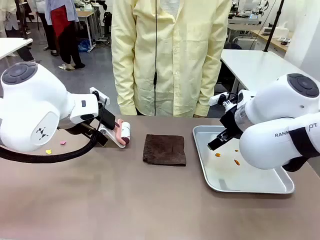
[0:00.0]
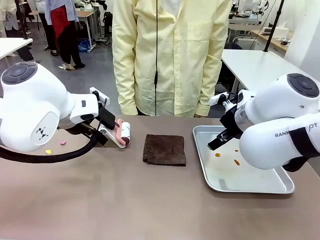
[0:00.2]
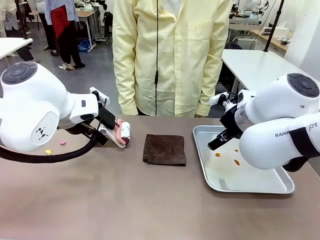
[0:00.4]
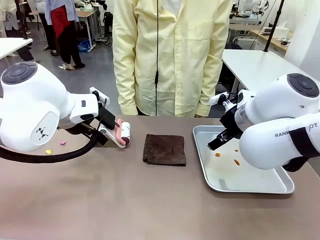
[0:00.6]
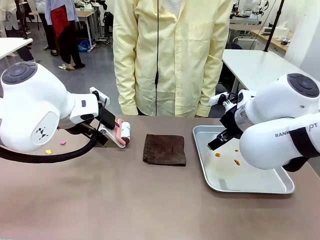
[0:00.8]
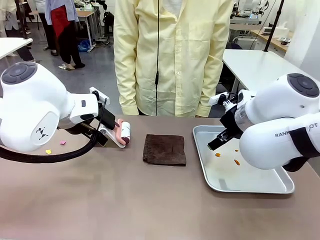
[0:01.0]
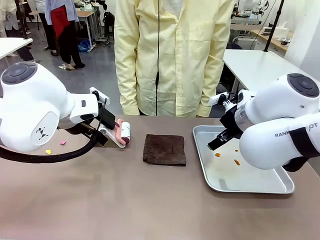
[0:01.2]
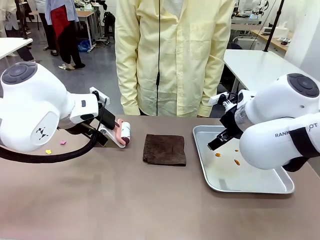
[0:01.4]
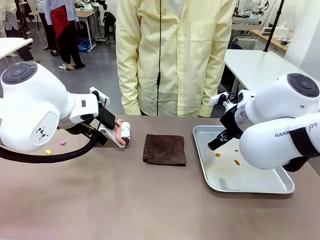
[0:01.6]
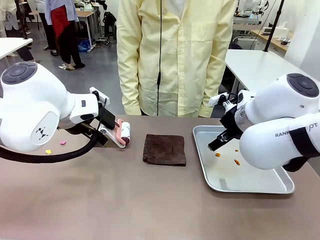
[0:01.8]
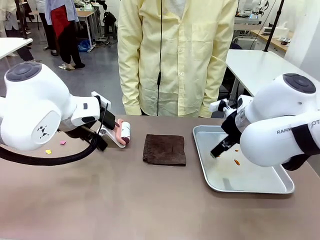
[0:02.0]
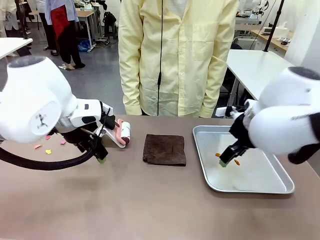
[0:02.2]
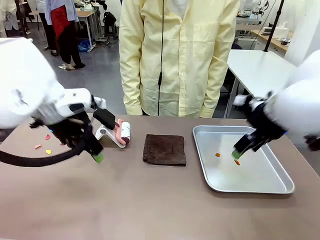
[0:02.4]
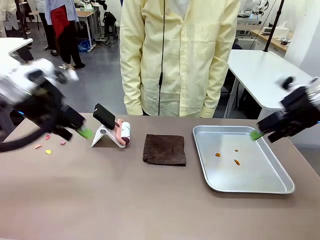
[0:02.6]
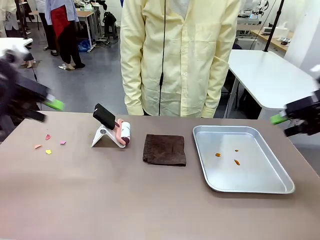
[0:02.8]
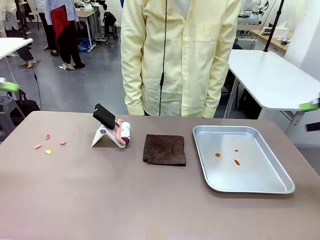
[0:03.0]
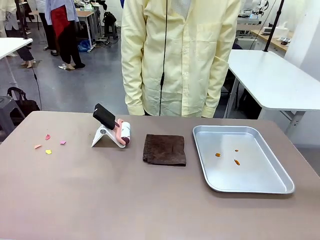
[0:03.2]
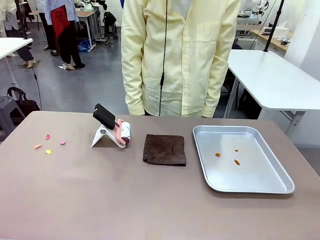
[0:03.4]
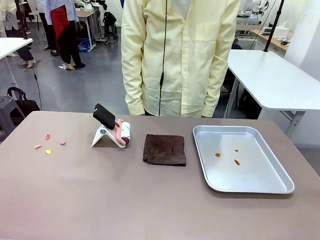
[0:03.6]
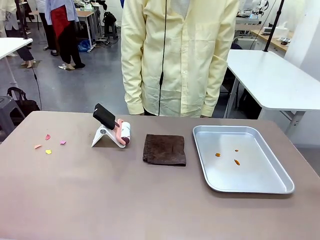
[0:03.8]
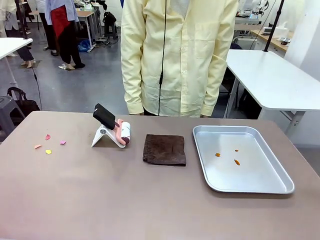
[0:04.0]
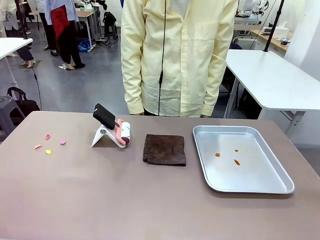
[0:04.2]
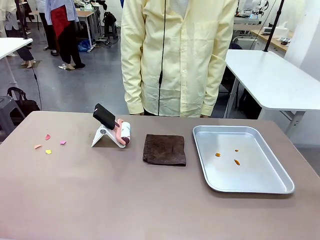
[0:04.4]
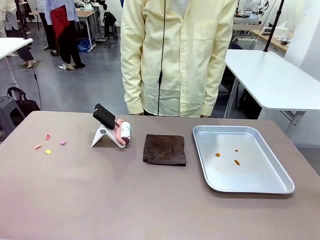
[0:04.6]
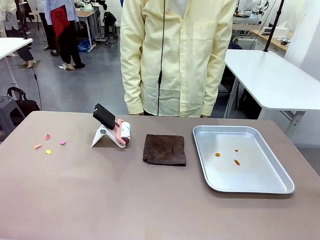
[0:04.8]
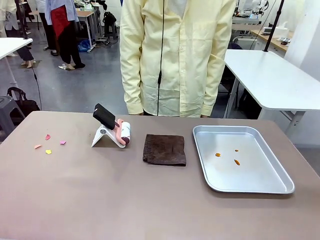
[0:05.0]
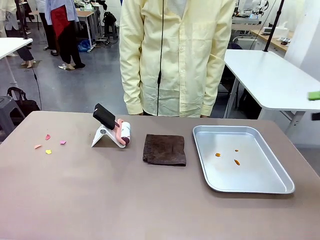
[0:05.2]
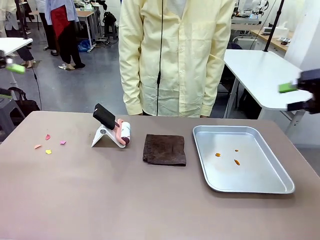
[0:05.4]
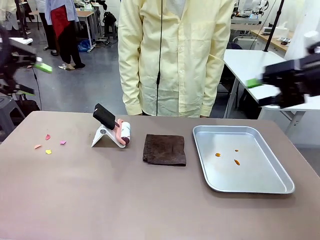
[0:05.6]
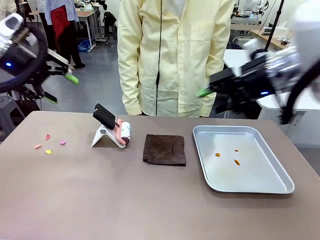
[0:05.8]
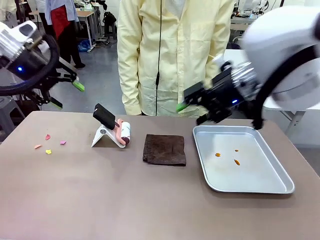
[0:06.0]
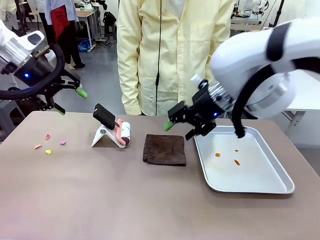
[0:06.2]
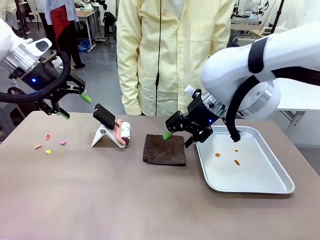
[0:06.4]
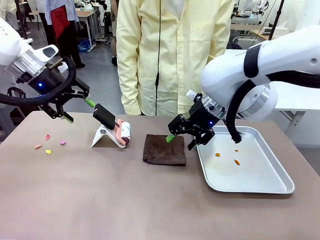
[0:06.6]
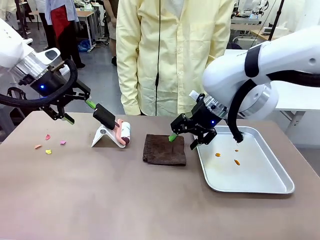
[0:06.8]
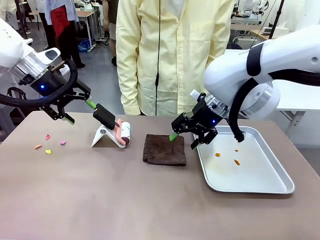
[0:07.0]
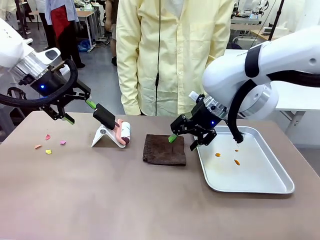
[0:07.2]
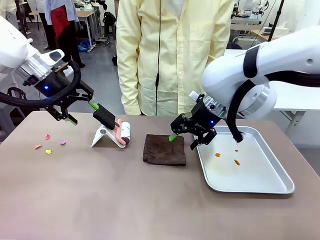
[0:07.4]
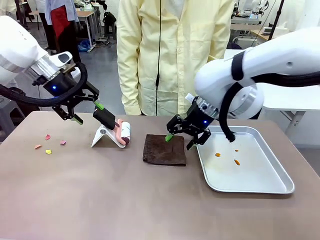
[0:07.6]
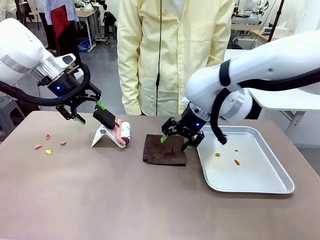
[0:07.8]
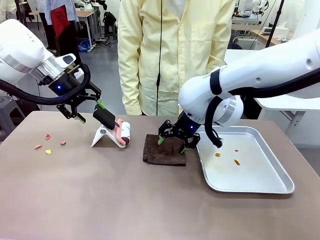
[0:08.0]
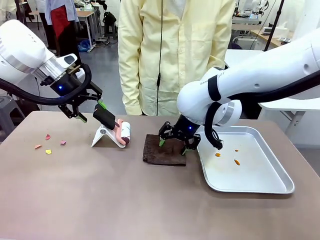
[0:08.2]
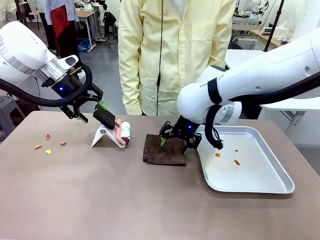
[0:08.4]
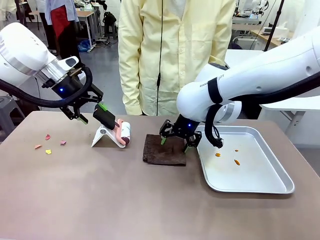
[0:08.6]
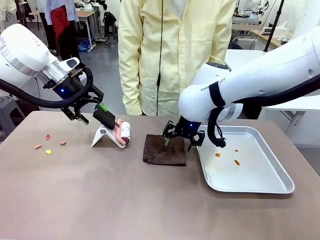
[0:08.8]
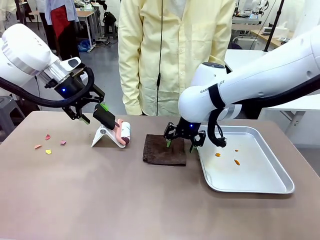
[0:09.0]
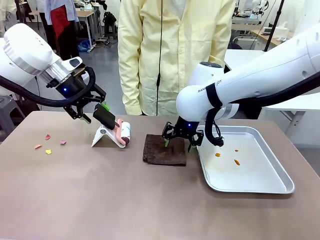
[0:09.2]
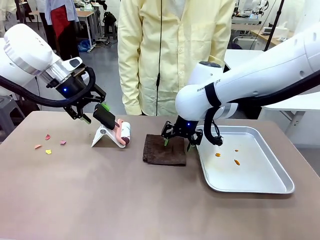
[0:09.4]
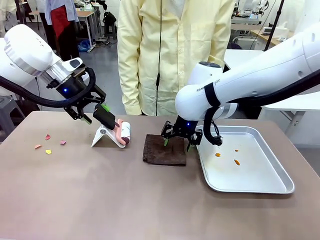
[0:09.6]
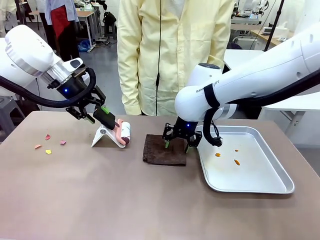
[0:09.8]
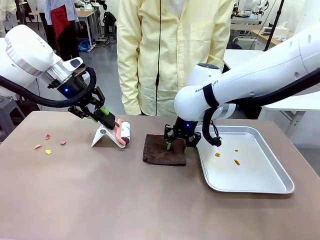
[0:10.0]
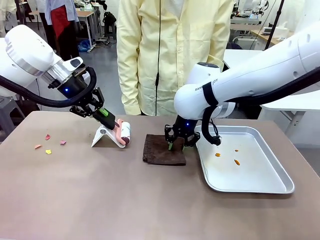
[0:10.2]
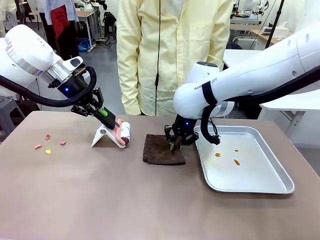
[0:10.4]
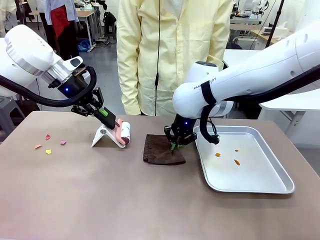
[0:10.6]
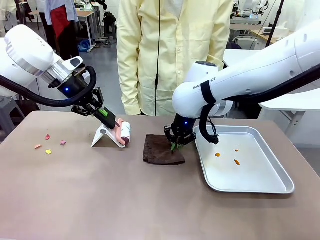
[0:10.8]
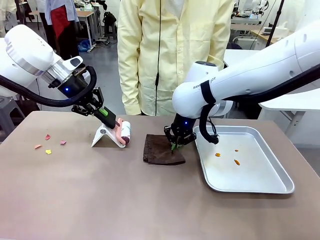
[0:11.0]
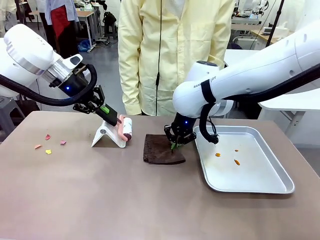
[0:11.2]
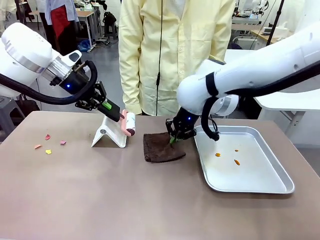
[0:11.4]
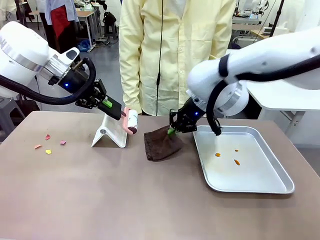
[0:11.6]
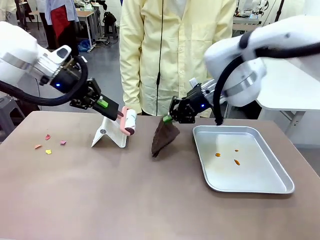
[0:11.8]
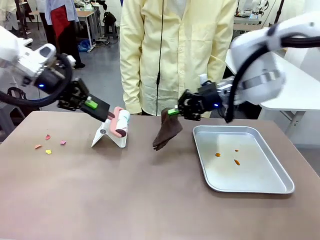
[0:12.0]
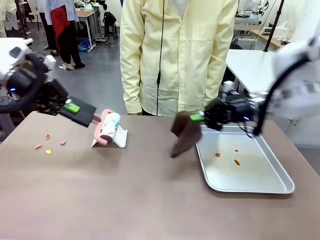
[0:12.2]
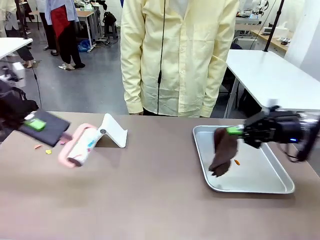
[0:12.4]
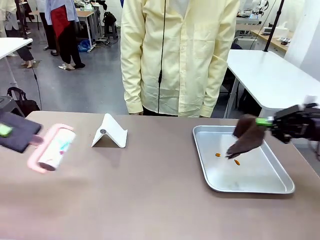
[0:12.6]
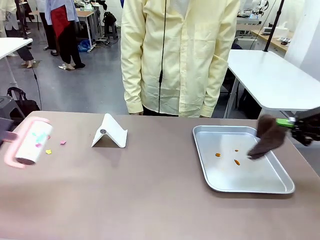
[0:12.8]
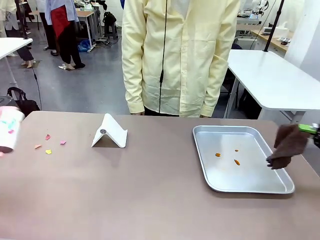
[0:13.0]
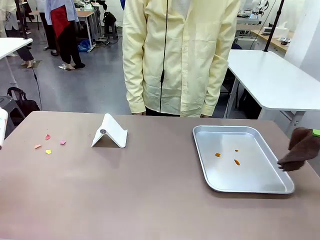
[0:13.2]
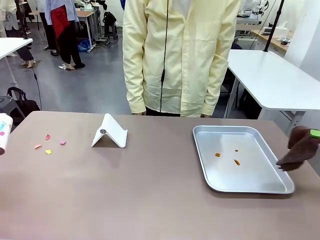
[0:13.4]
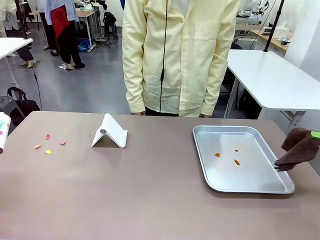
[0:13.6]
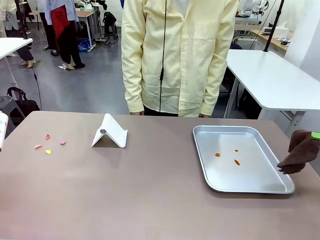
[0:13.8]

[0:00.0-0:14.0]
Task: Clean the surface of the table.
Robot: Hold the Lint Roller with your left hand and the towel with your right hand.

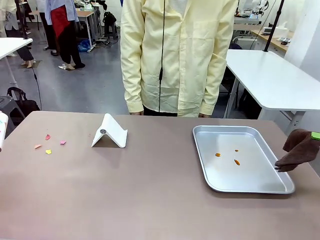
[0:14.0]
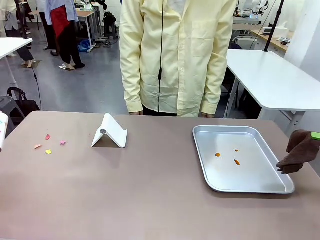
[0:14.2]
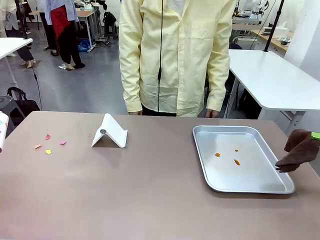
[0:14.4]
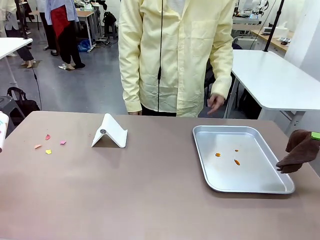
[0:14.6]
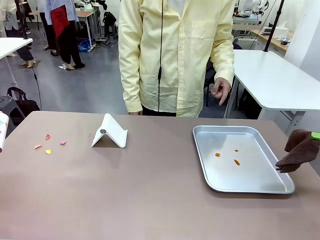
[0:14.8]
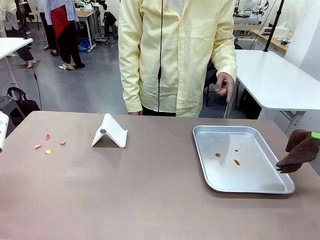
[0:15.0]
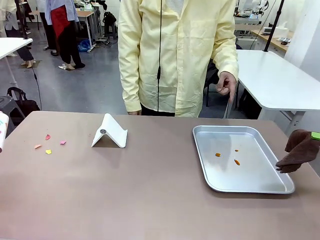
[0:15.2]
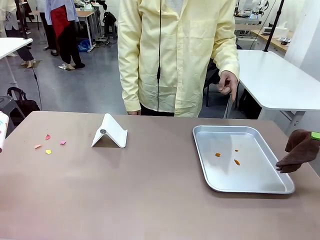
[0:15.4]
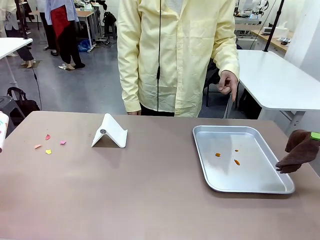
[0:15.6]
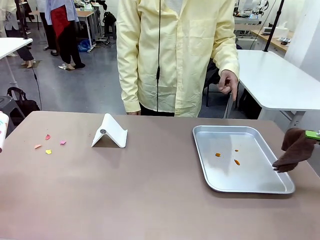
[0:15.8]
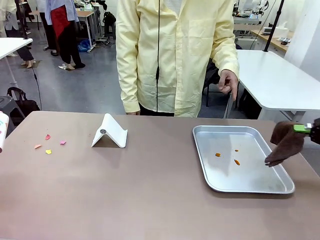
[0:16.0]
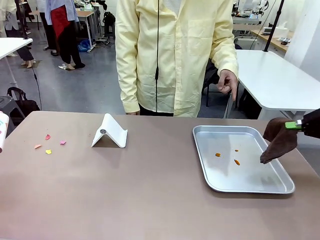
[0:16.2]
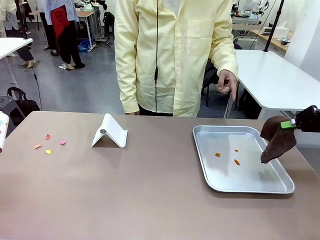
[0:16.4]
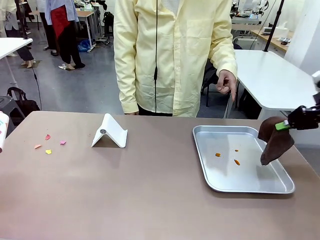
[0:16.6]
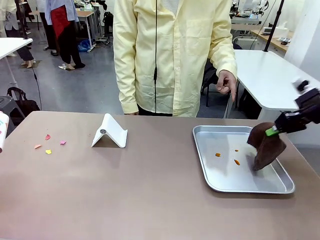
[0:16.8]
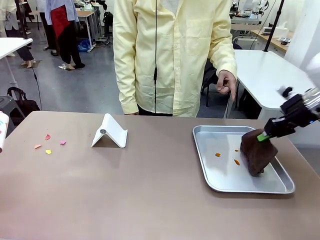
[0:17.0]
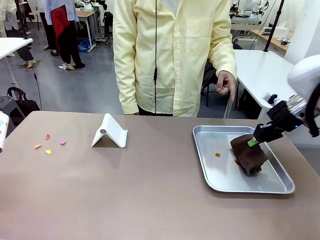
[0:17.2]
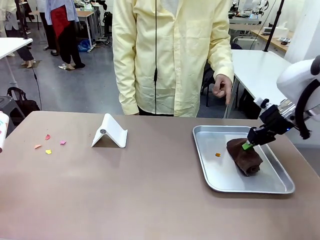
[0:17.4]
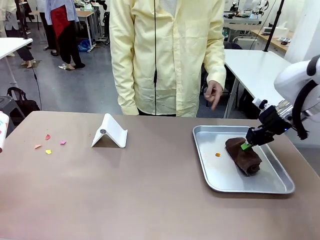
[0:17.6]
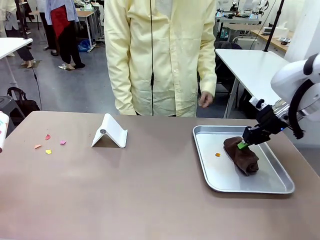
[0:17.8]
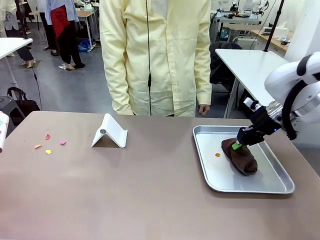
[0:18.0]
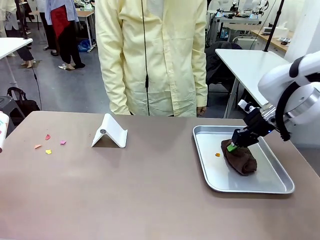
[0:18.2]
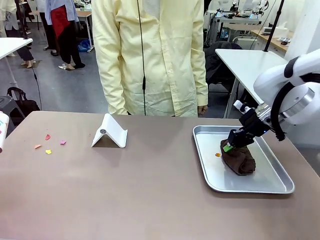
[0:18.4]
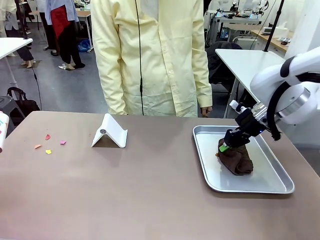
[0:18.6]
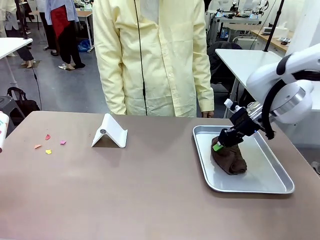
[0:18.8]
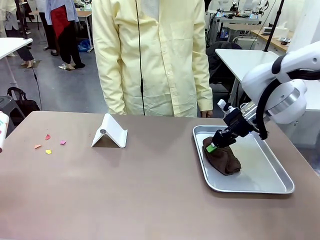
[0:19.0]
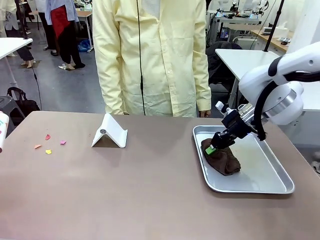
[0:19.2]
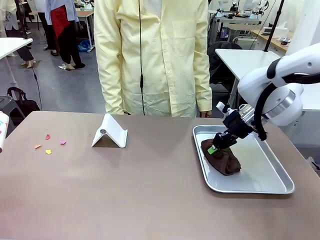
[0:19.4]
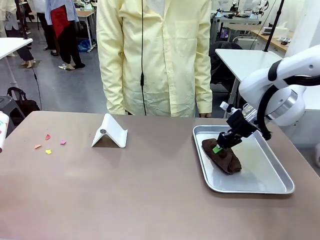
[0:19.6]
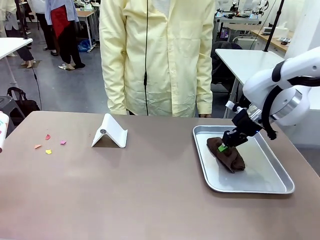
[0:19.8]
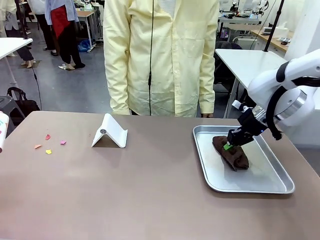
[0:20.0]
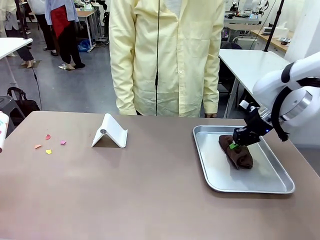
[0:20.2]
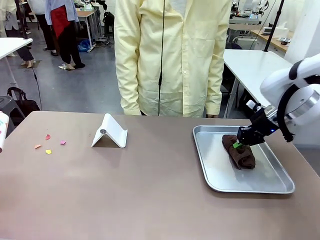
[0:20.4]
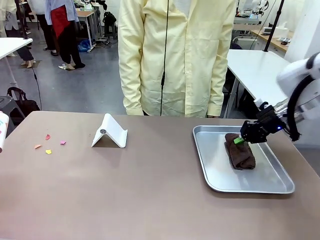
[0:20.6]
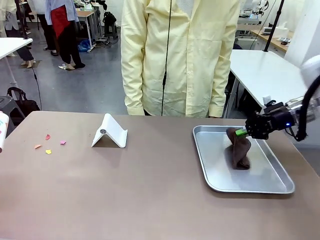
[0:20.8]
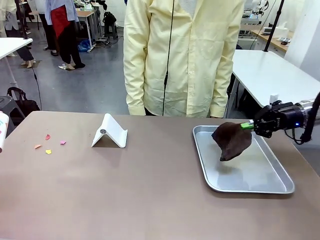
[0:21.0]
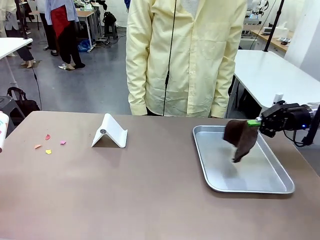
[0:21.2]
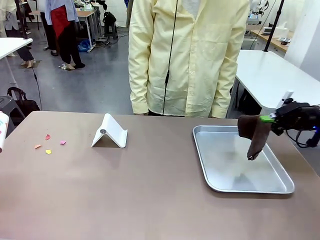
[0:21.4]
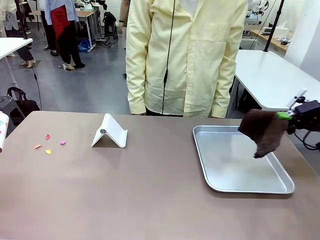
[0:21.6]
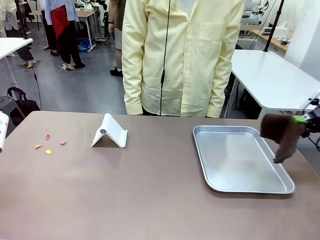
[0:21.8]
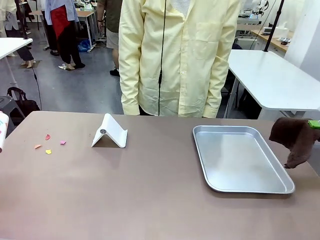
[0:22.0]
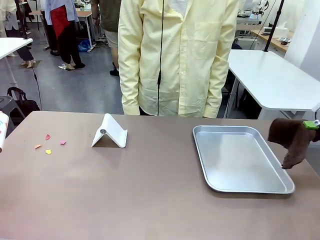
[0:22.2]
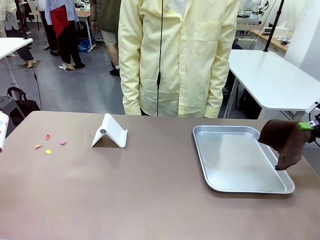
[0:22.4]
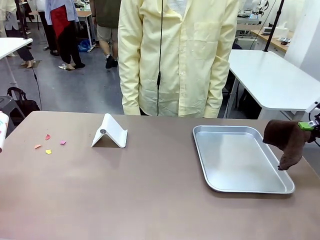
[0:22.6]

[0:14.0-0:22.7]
Robot: If a person points to the right, clean the right side of the table with your right hand, and if they point to the left, clean the left side with your left hand.
